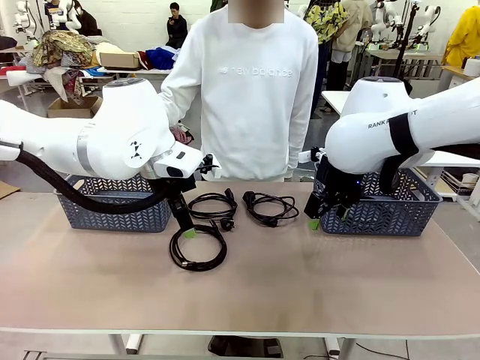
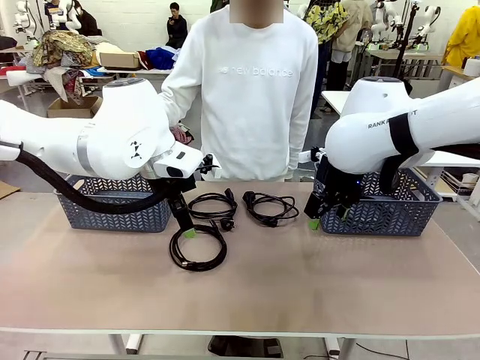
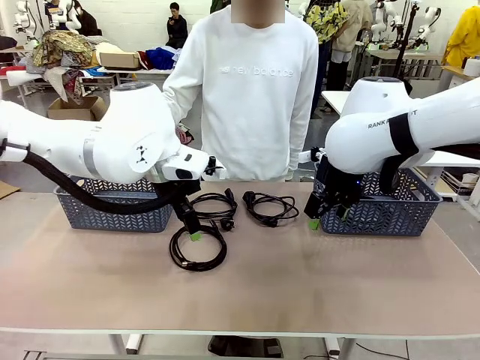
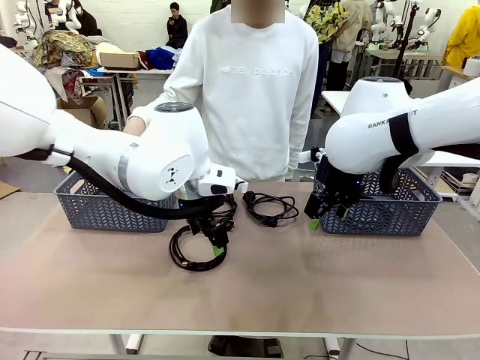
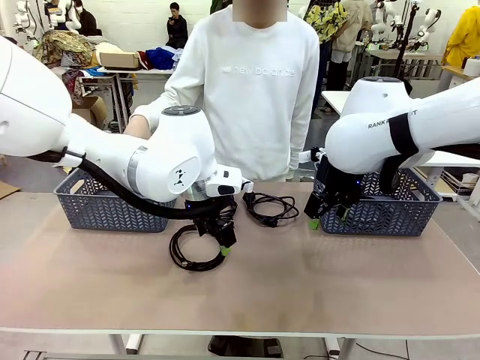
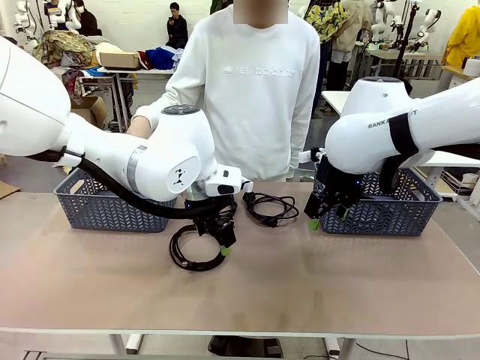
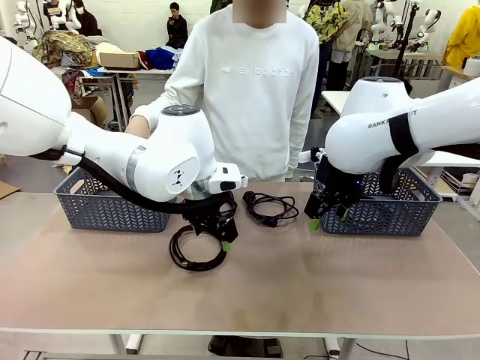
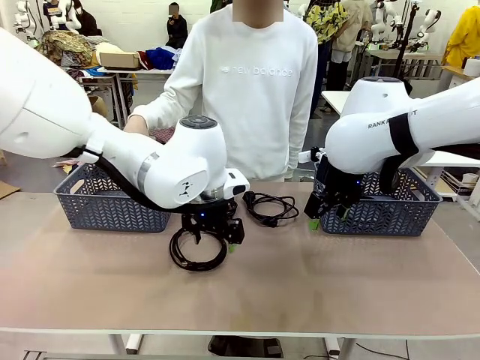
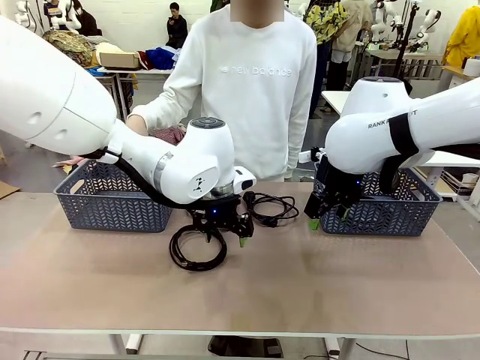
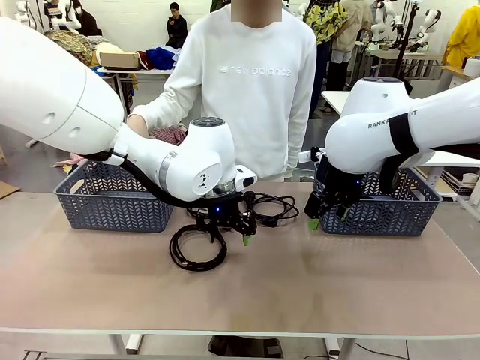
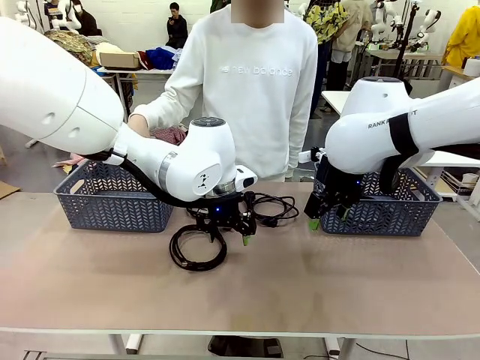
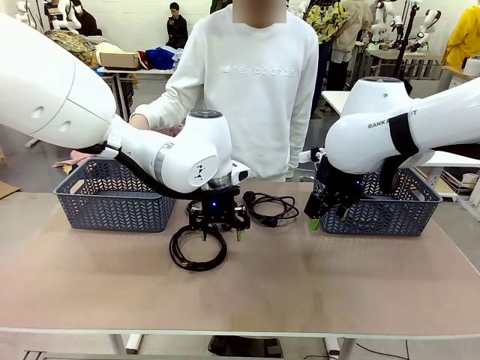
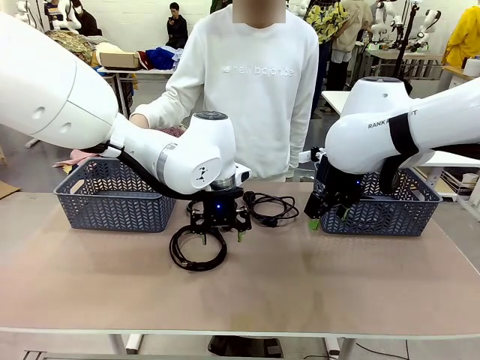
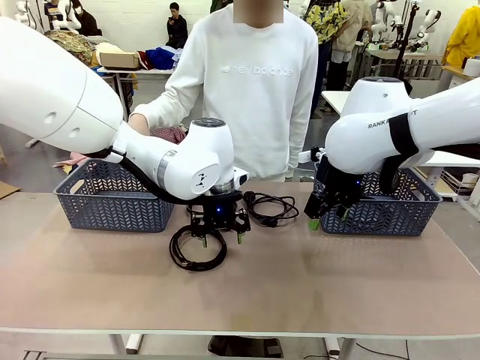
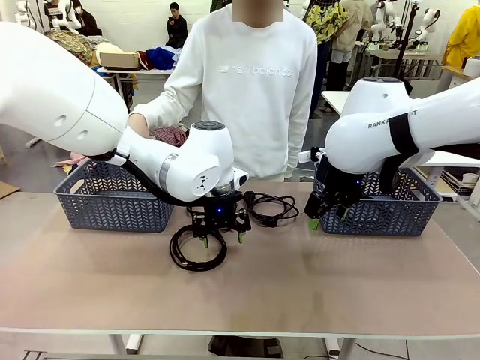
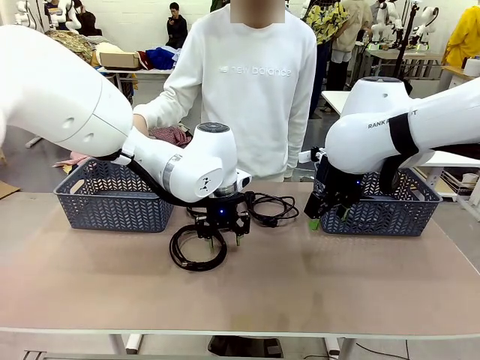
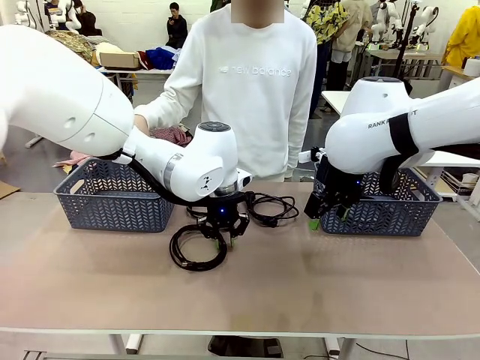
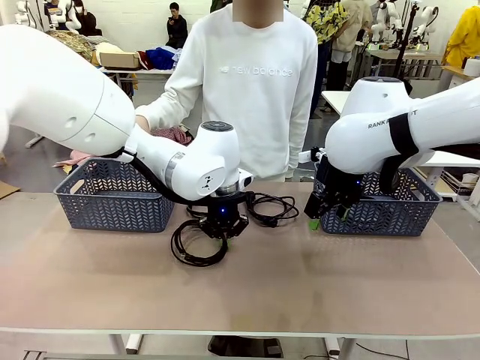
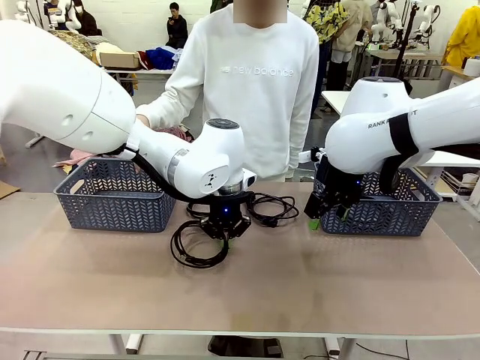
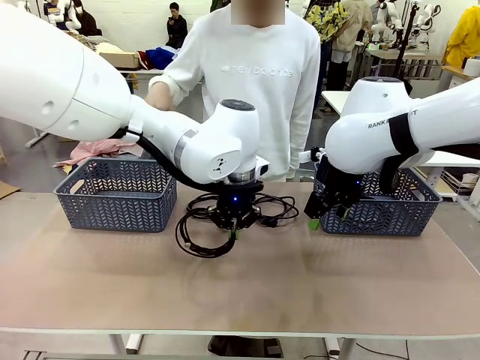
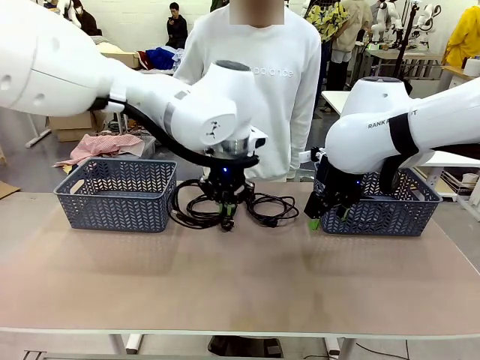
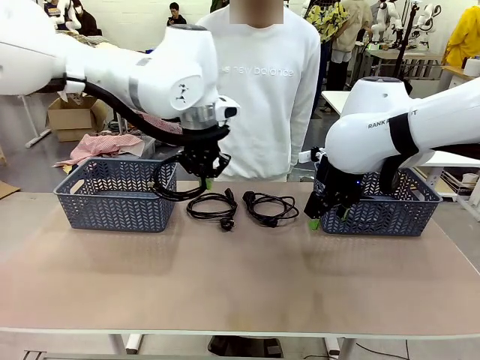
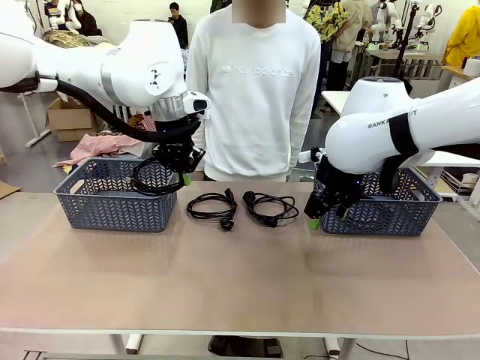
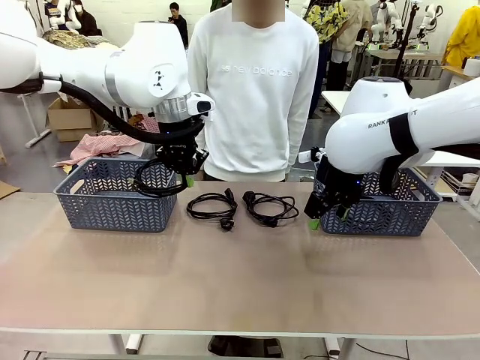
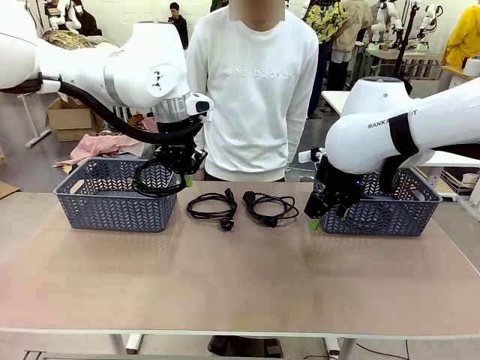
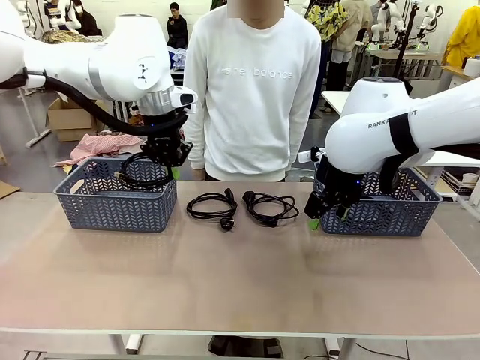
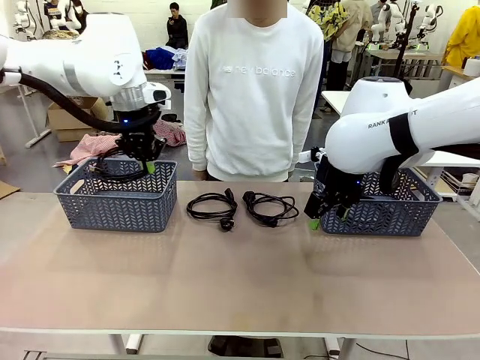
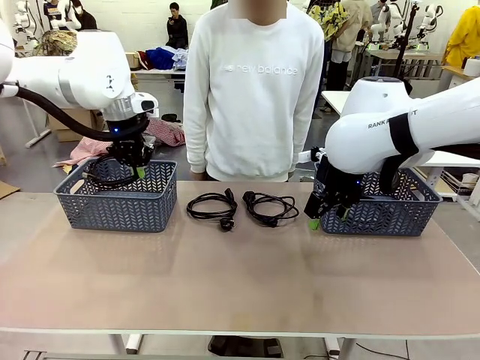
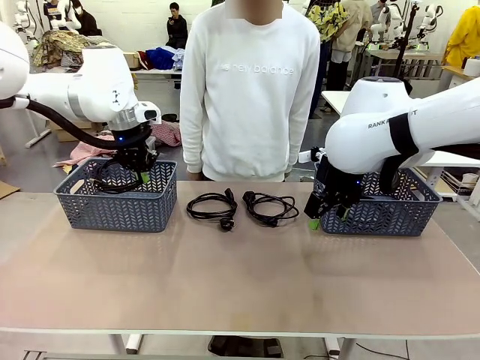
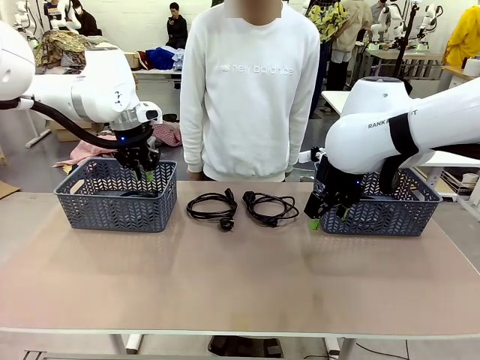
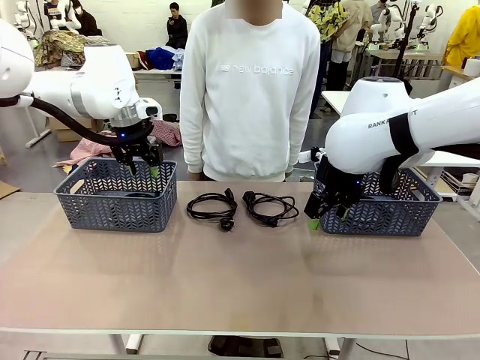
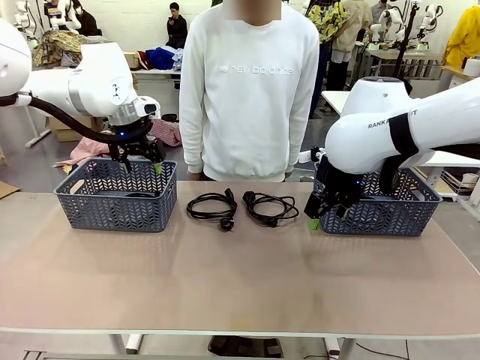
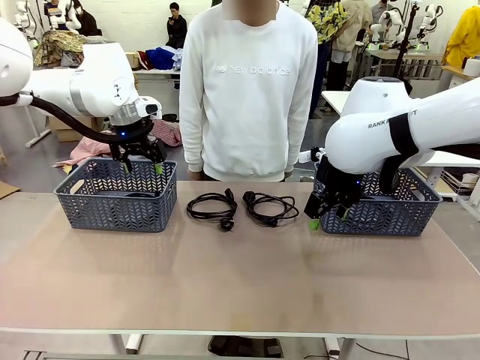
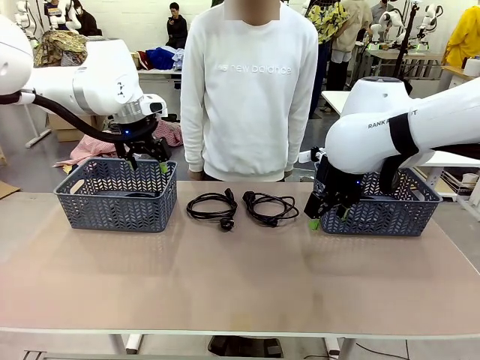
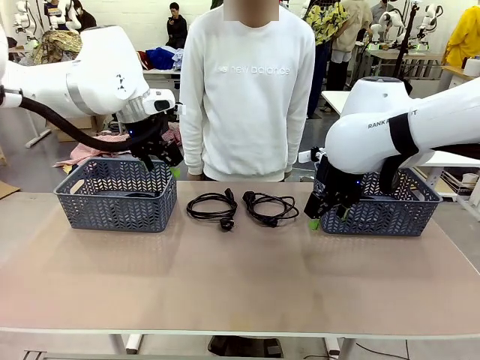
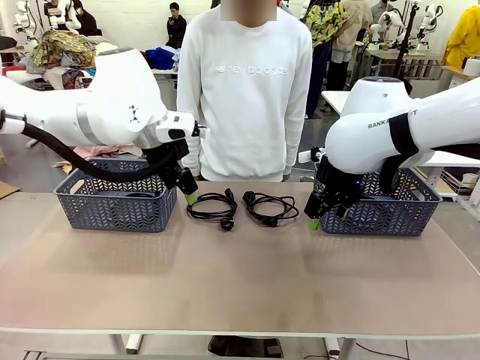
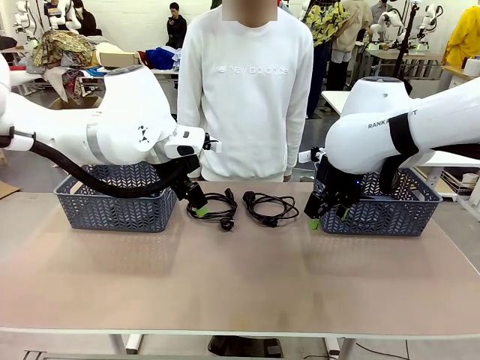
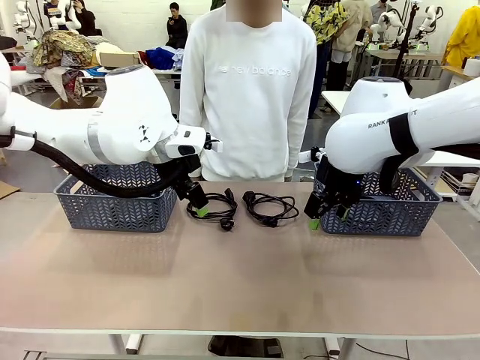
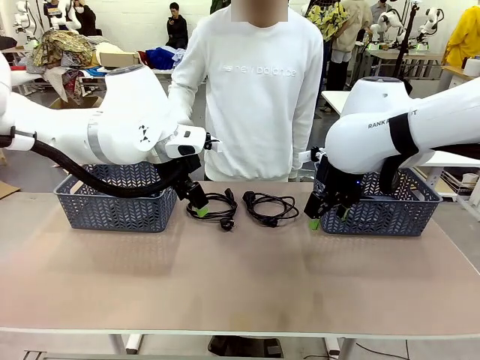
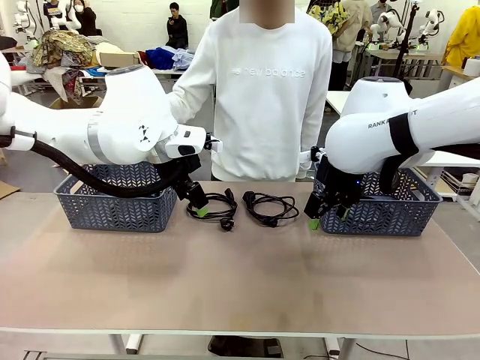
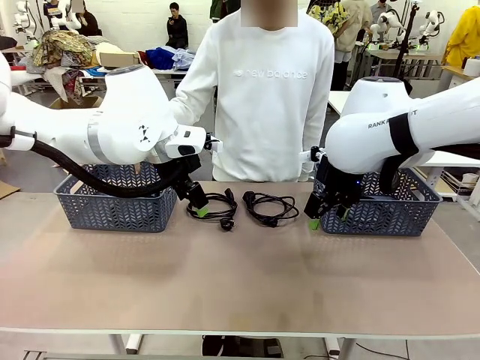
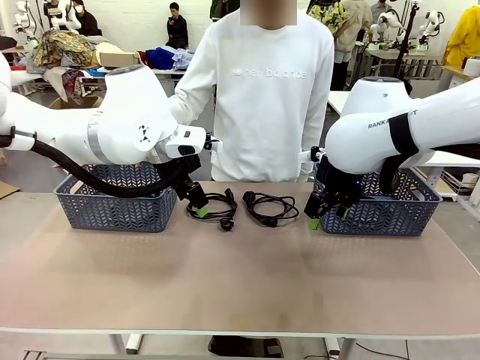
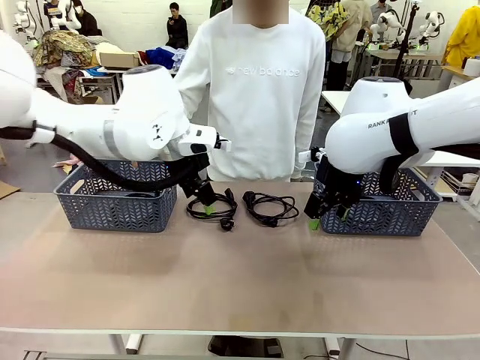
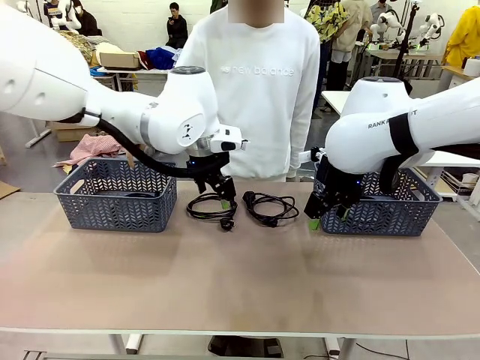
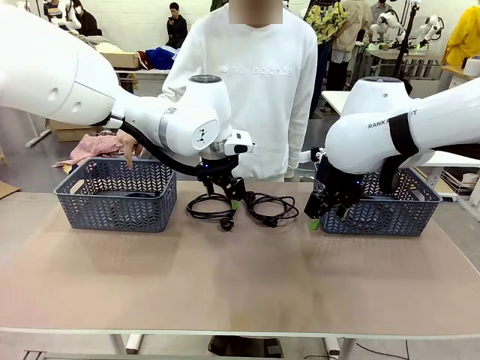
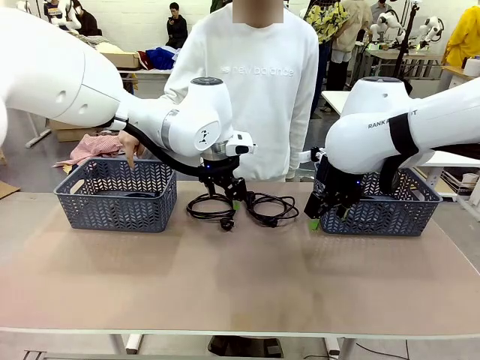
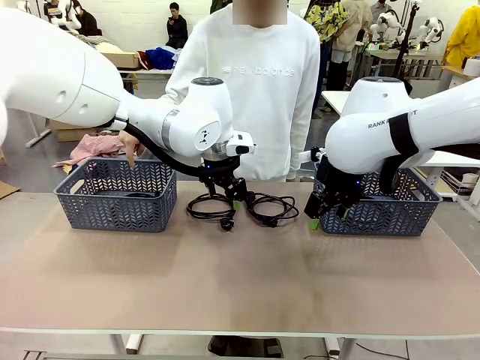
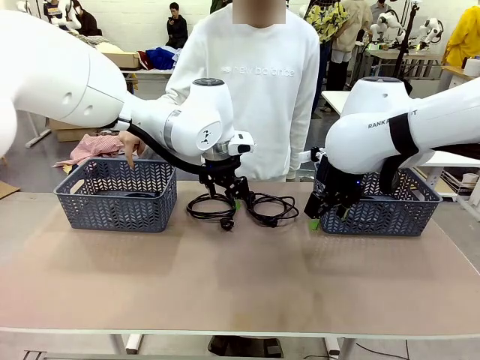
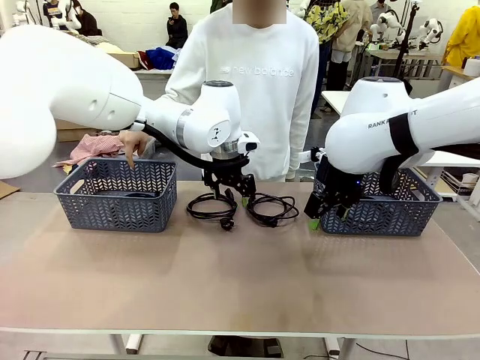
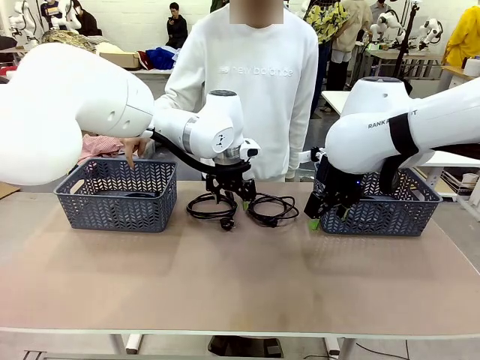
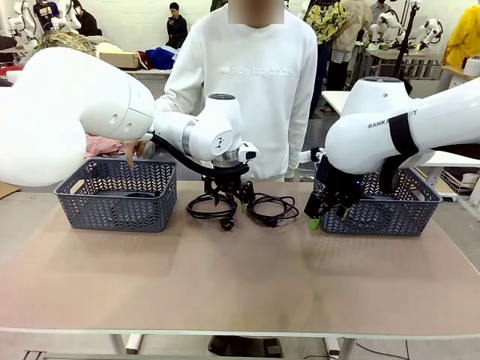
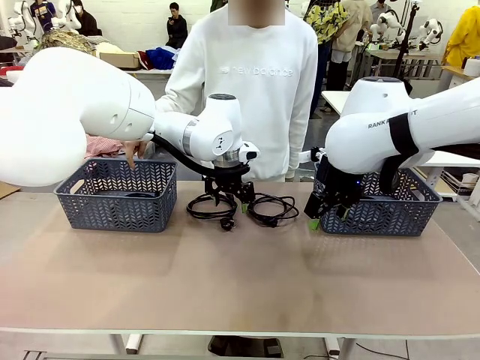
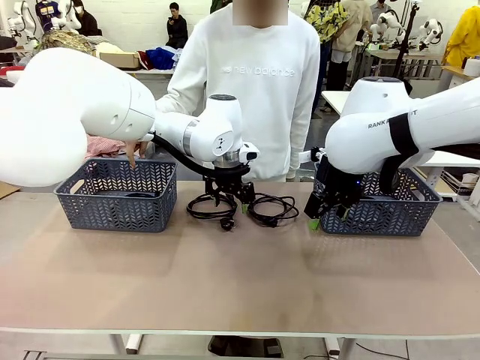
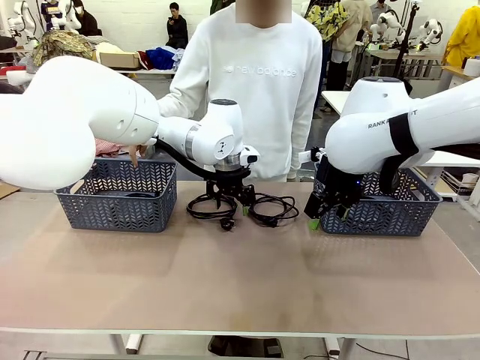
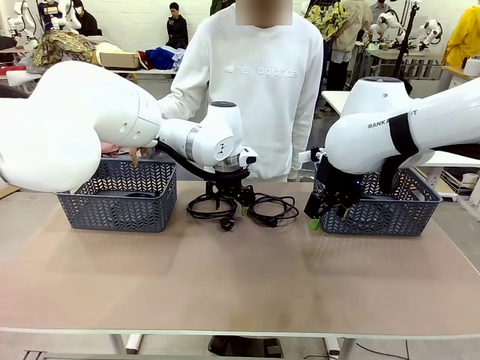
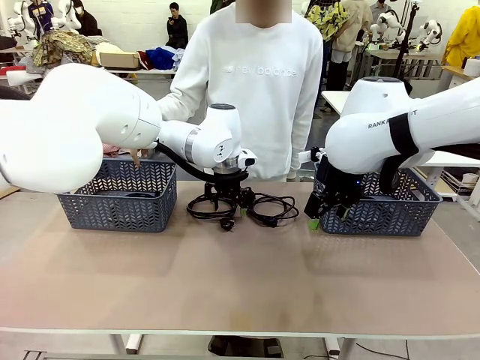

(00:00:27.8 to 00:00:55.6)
Task: Organize the cables according to human instructions.
Robot: Pick up a bundle of cables and place it in the basket indicated by the human.
